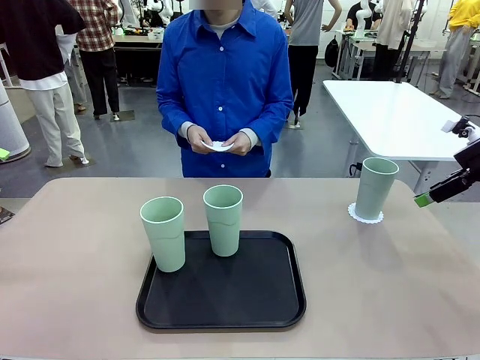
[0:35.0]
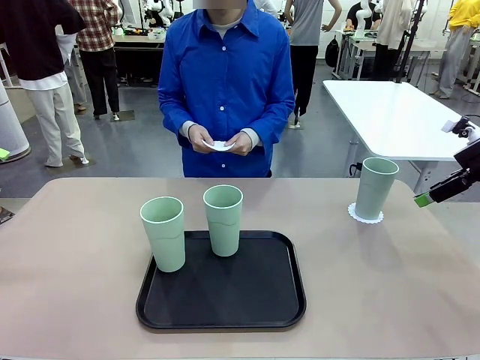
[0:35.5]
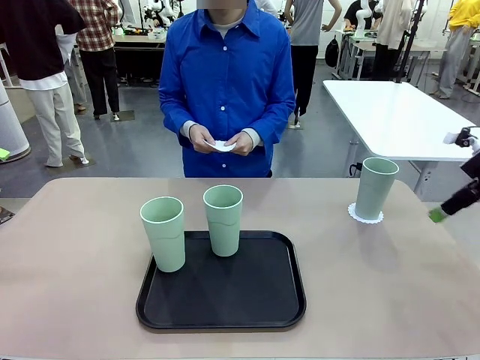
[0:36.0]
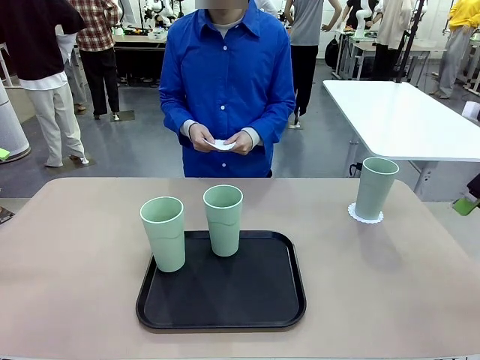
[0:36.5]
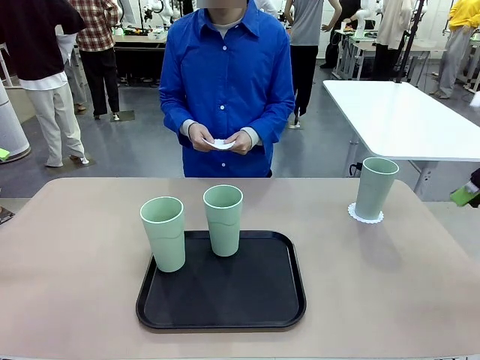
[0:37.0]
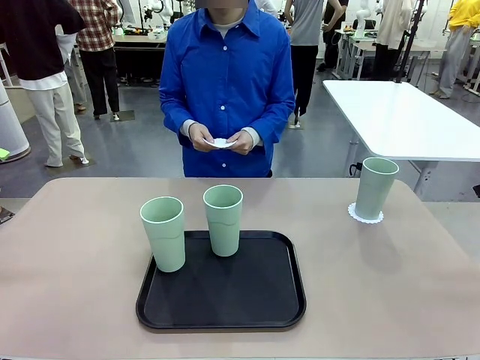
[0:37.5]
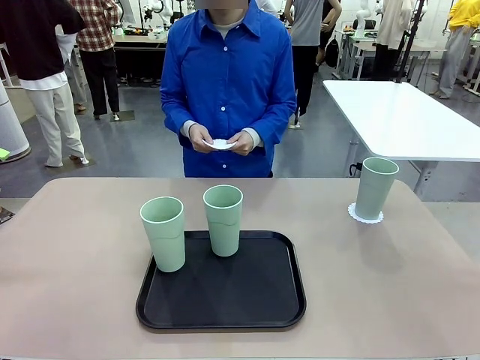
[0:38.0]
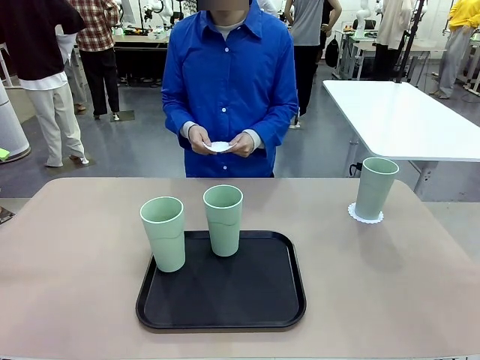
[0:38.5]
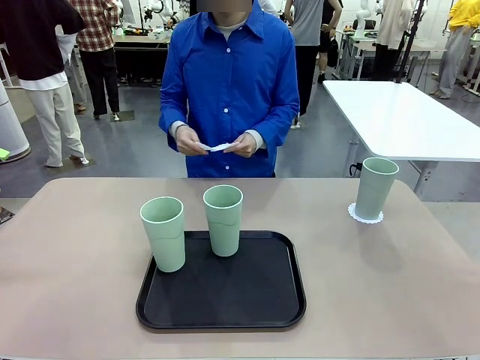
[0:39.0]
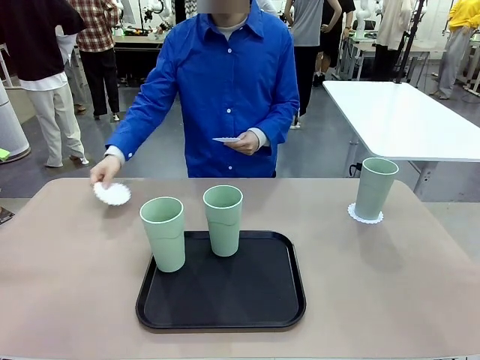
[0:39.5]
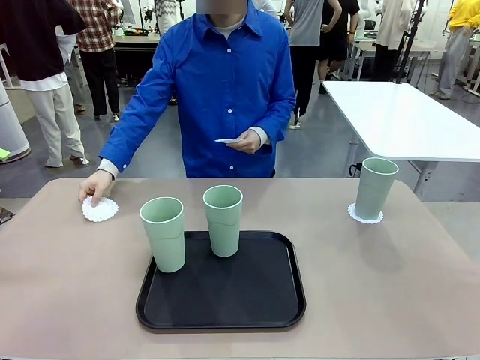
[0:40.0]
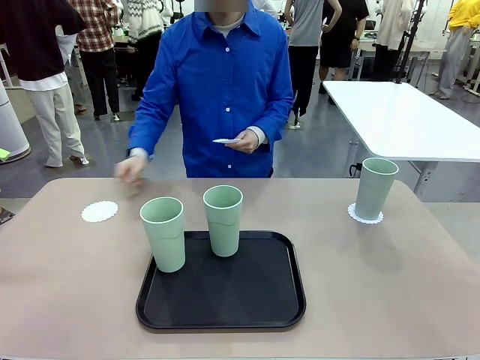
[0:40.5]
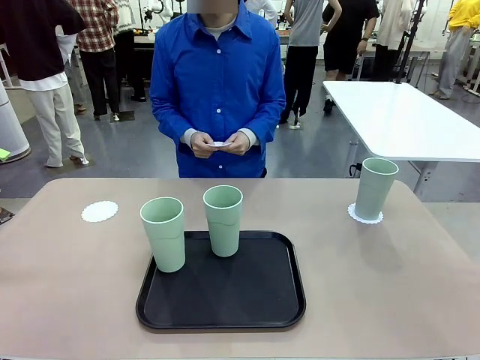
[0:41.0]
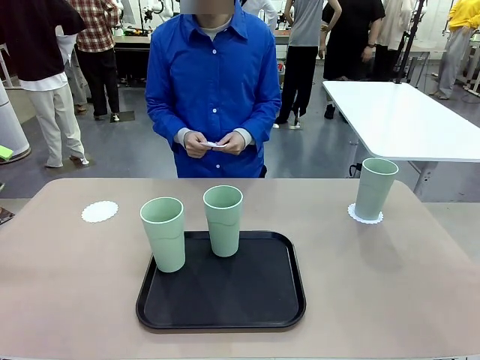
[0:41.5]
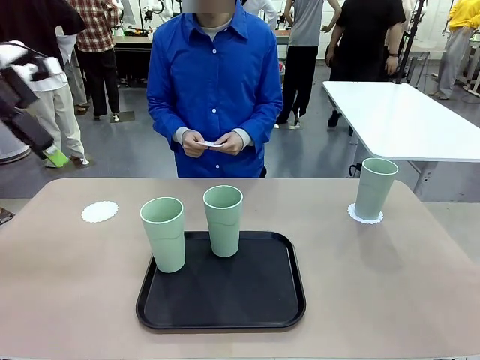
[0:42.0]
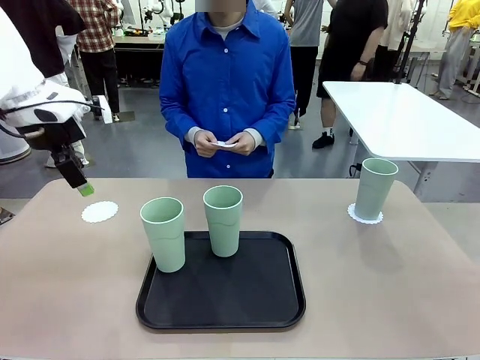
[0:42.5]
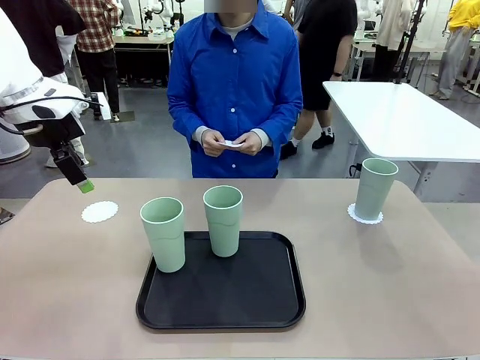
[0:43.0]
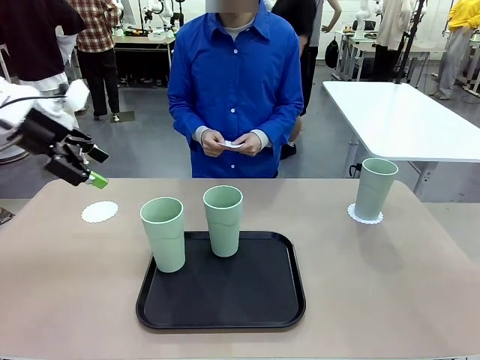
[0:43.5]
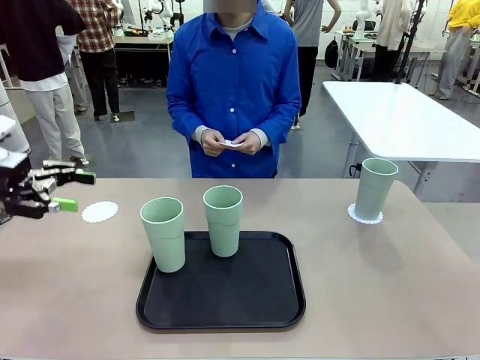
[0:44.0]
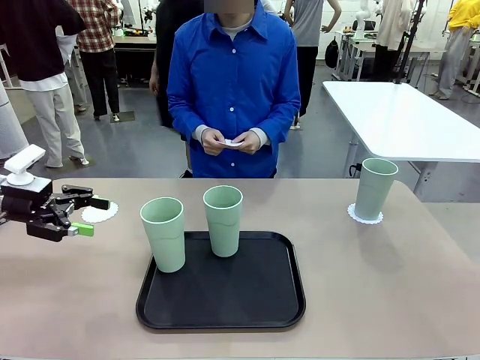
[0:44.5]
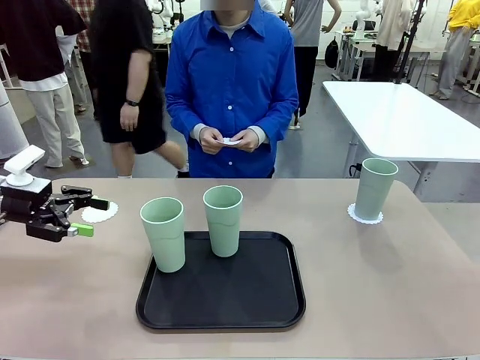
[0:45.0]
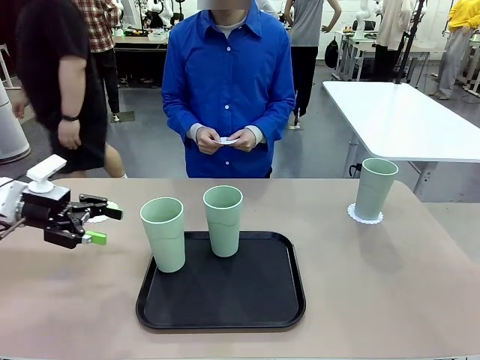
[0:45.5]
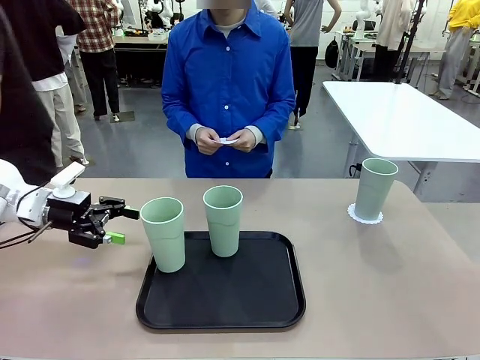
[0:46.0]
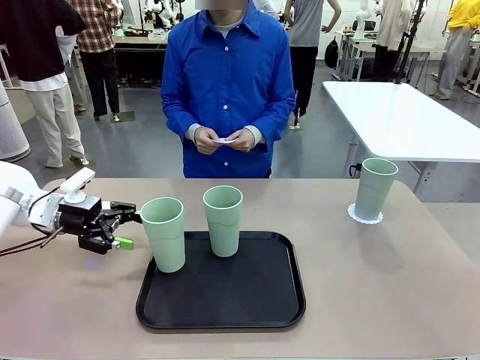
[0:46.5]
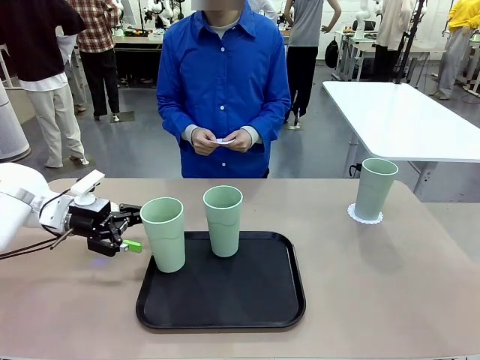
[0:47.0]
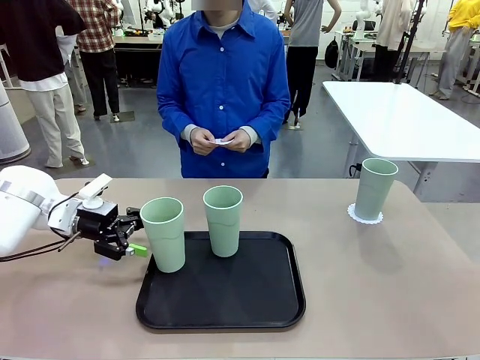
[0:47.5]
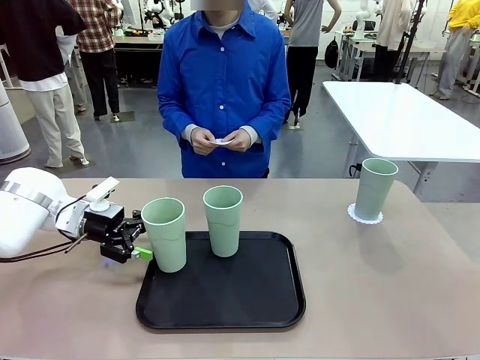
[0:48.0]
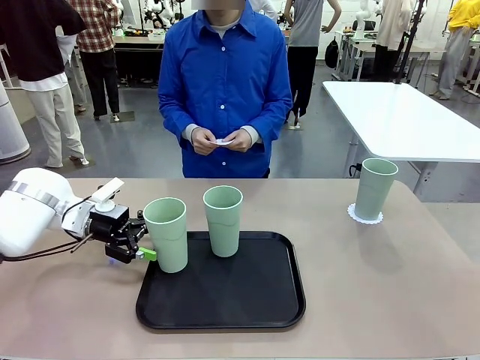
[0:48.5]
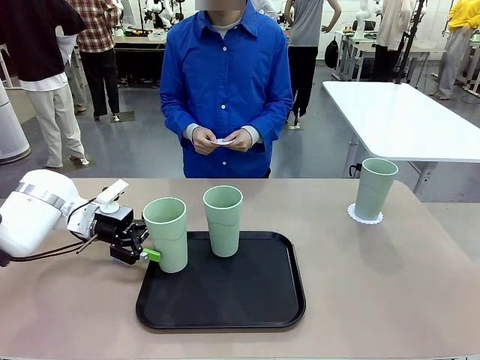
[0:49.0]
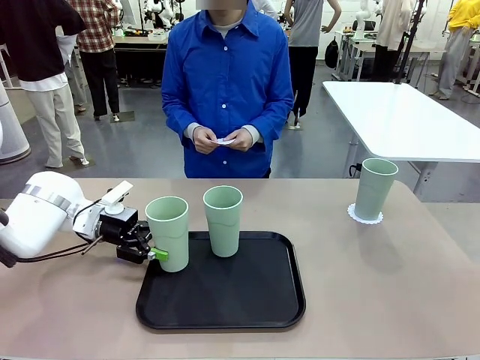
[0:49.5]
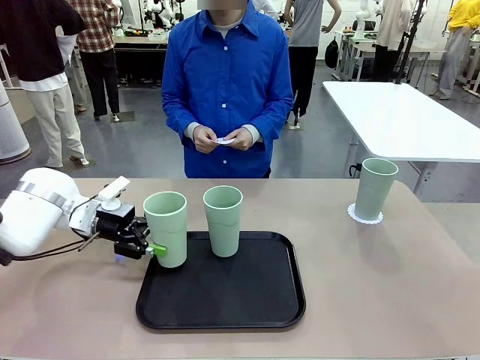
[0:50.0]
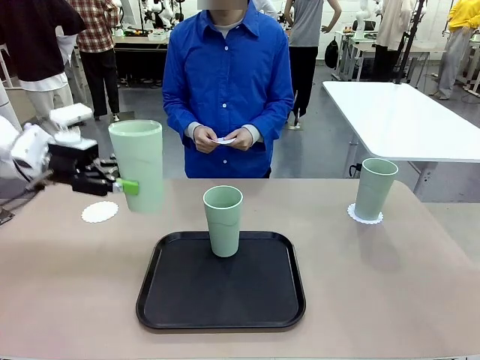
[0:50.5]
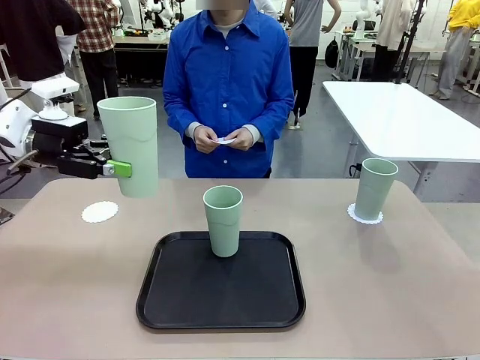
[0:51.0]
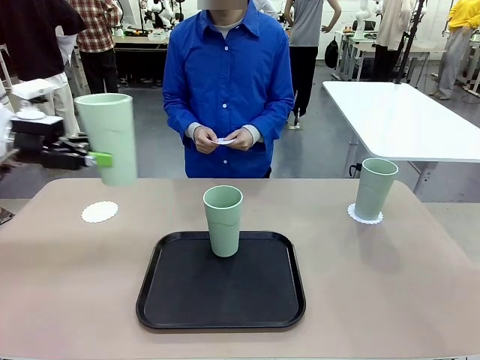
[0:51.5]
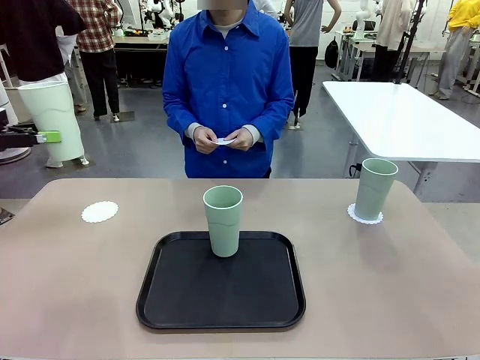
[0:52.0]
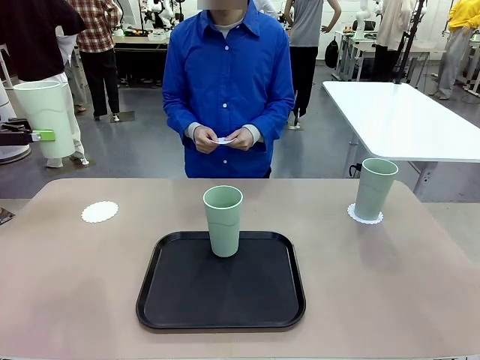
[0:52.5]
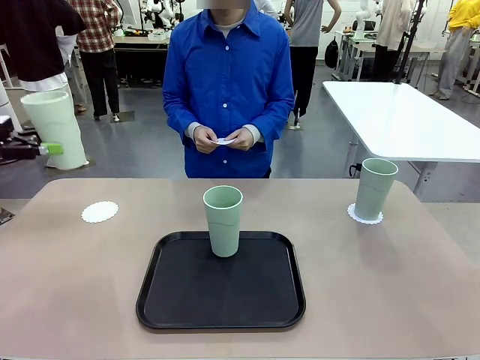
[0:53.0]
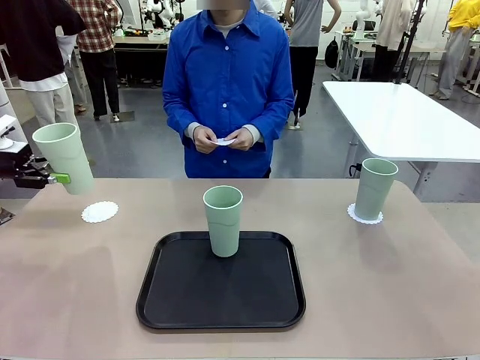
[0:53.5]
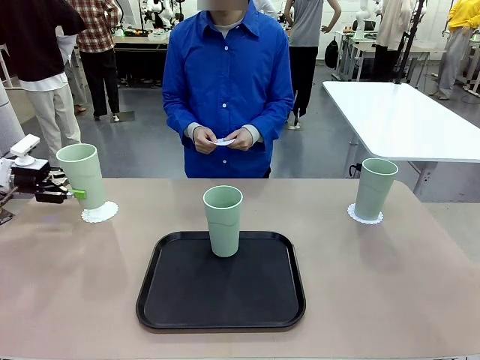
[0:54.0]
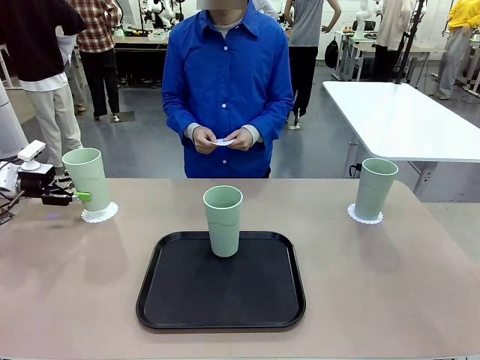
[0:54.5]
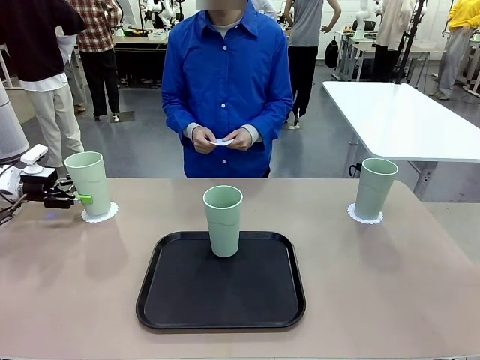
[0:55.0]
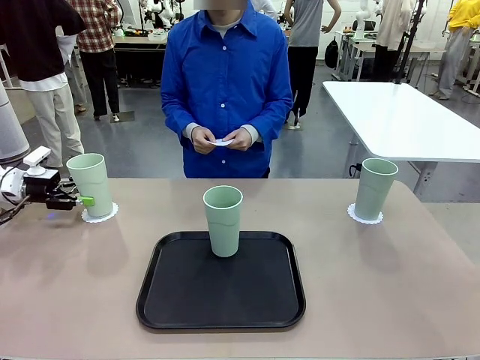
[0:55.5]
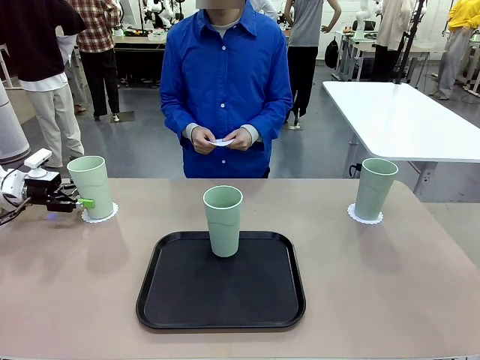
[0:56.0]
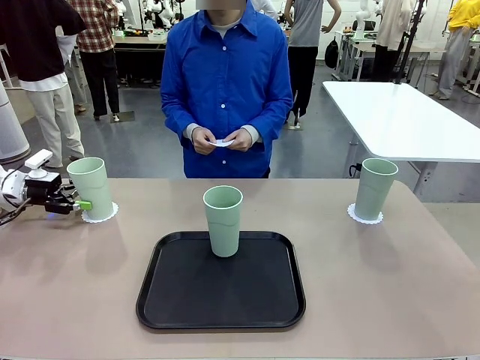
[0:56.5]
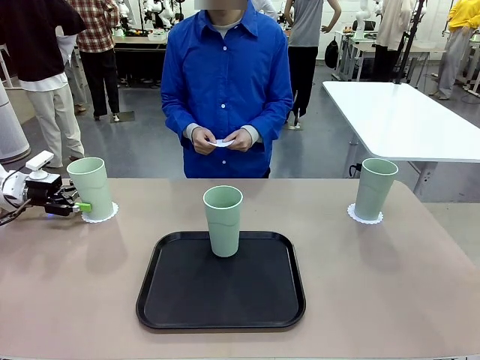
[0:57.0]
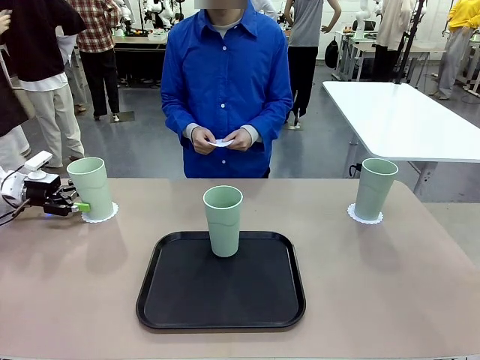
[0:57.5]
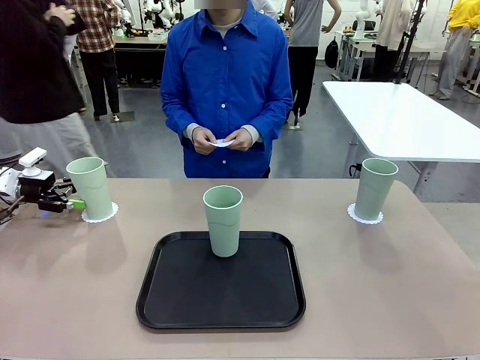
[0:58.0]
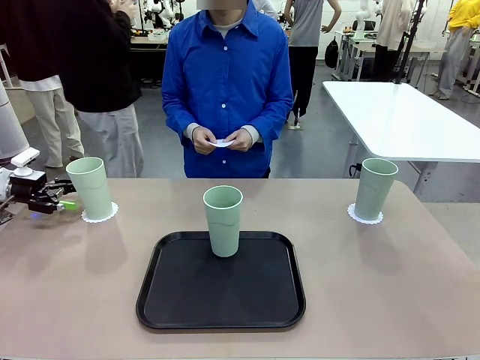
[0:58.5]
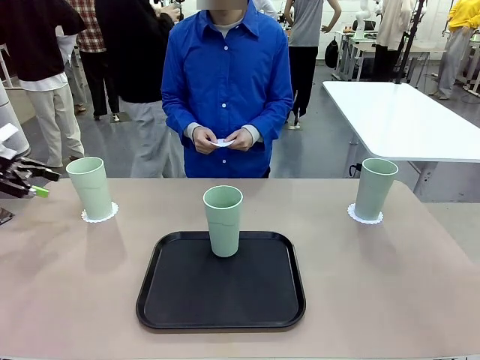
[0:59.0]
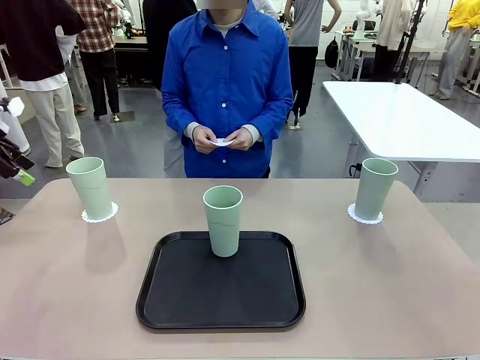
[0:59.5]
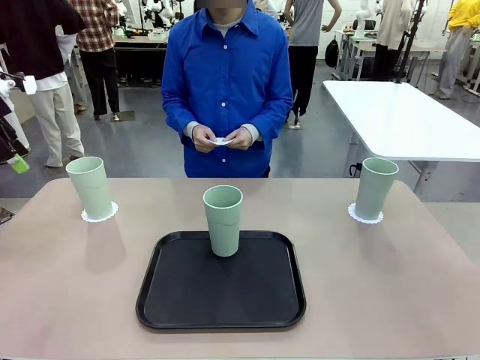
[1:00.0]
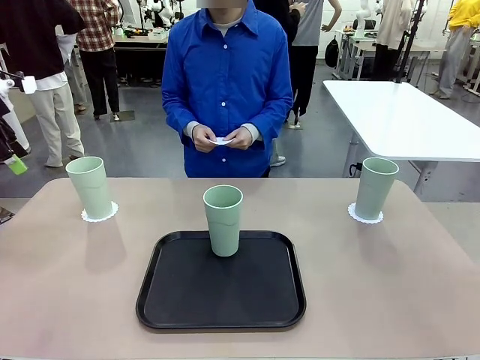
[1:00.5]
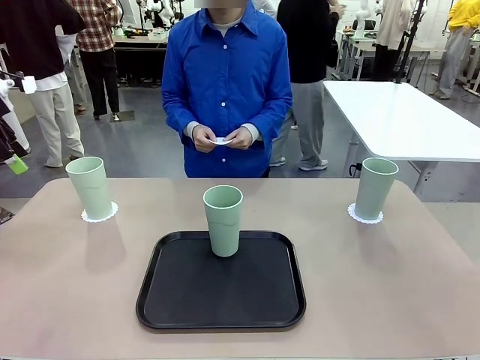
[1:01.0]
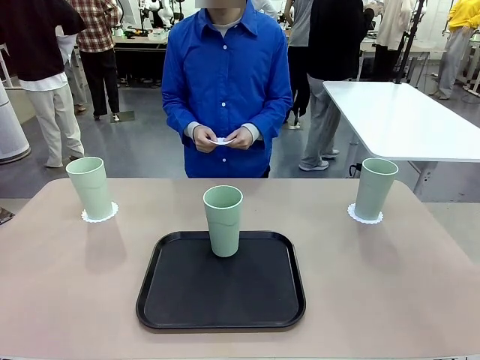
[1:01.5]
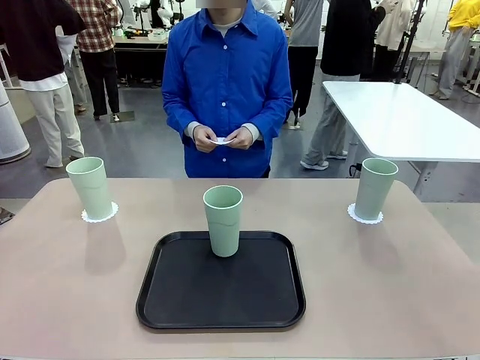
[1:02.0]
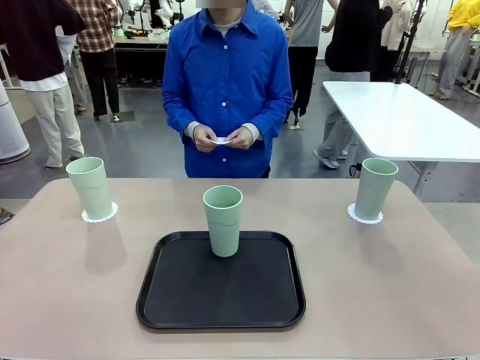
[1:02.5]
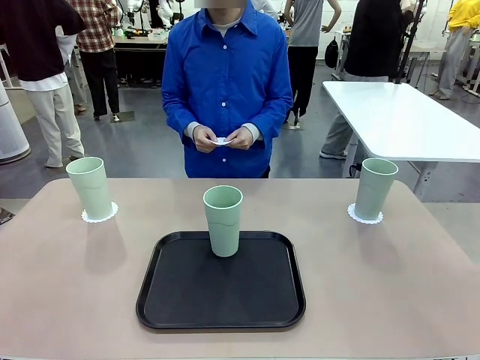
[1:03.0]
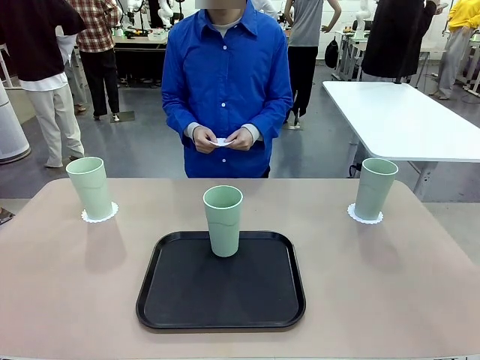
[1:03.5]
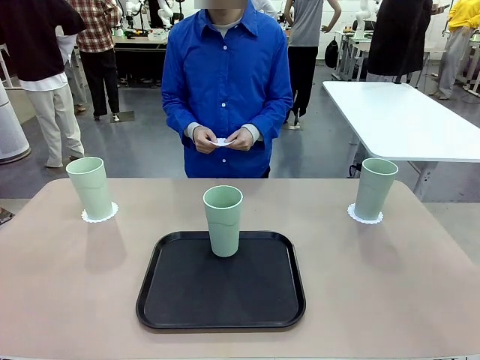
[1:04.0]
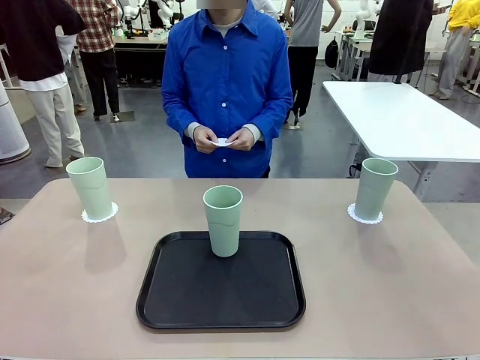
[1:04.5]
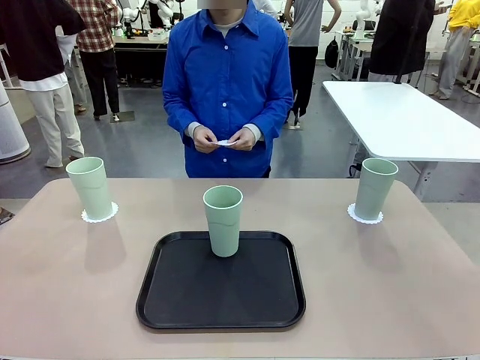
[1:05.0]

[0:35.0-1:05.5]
Task: Place coasters on the table and set cups on them.
Robot: Take one Reusable plastic cup from the Flat Tray and place it on a coaster set by the human.
